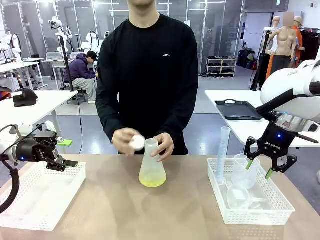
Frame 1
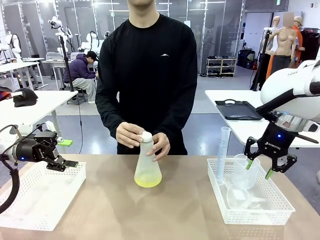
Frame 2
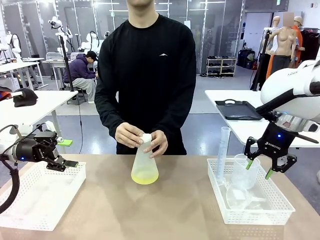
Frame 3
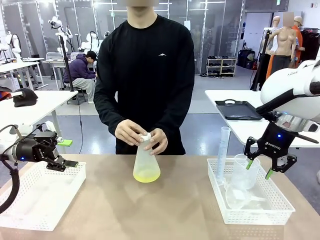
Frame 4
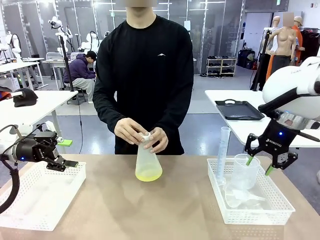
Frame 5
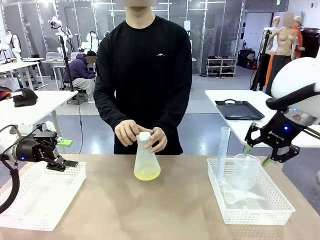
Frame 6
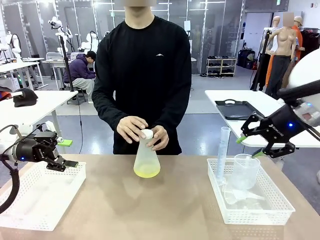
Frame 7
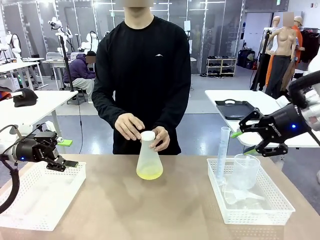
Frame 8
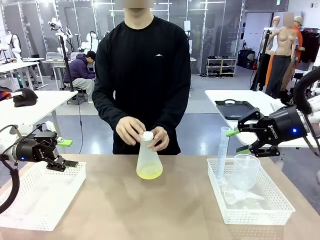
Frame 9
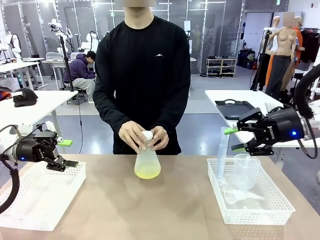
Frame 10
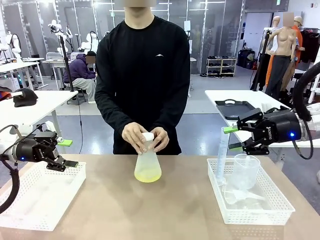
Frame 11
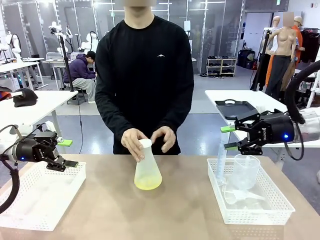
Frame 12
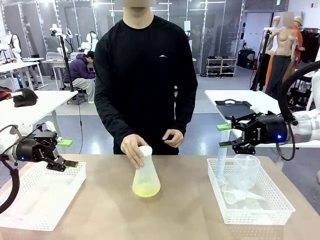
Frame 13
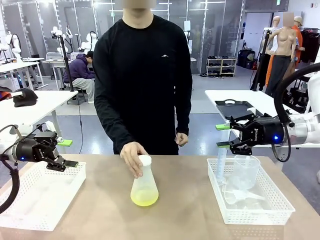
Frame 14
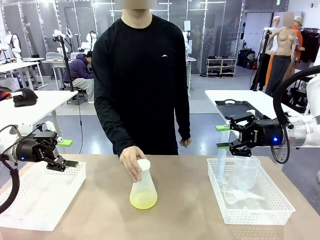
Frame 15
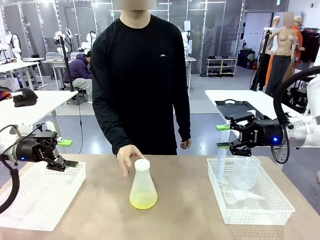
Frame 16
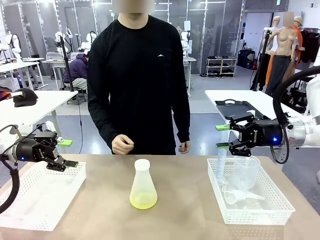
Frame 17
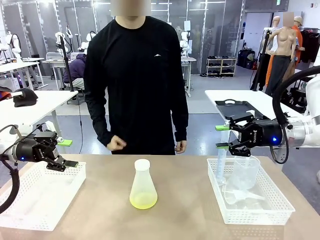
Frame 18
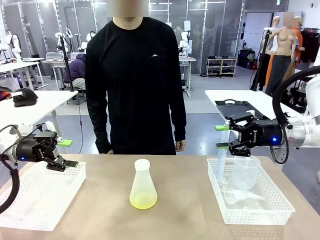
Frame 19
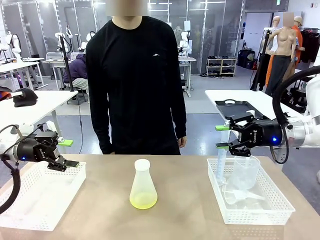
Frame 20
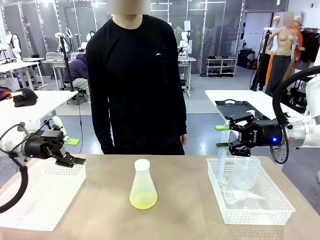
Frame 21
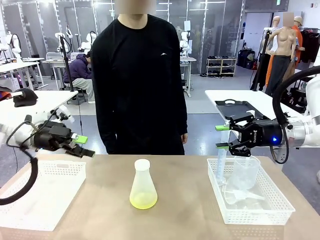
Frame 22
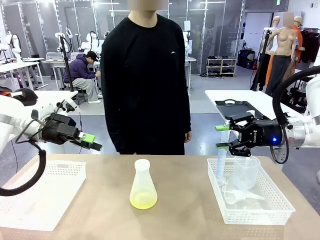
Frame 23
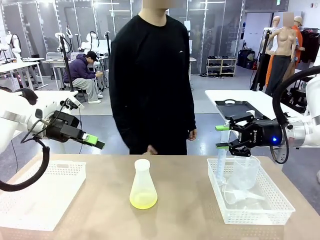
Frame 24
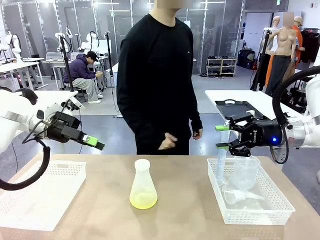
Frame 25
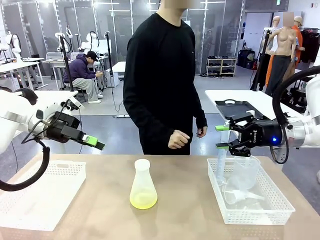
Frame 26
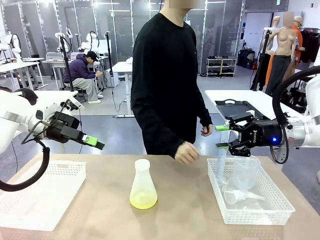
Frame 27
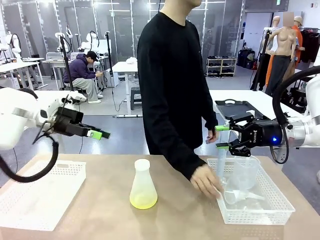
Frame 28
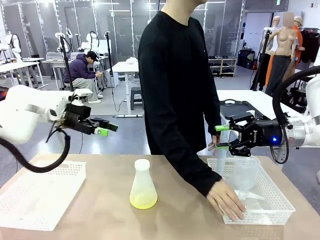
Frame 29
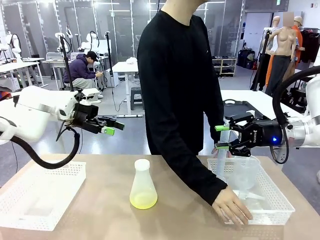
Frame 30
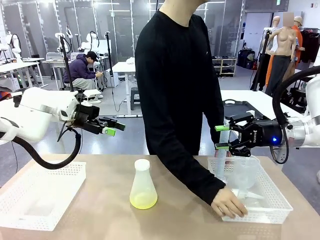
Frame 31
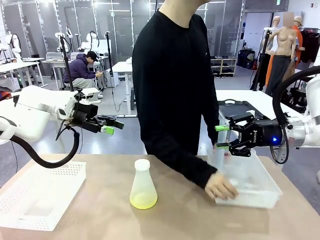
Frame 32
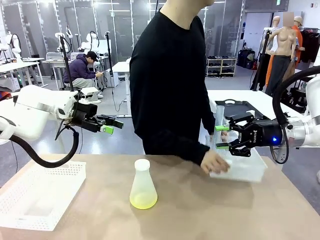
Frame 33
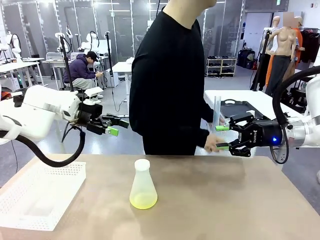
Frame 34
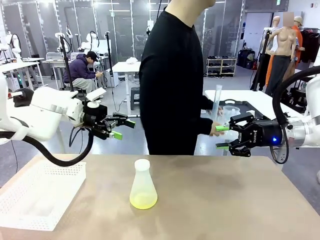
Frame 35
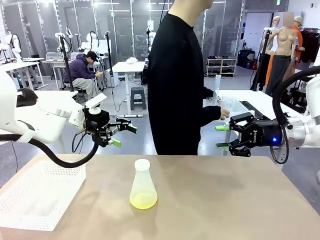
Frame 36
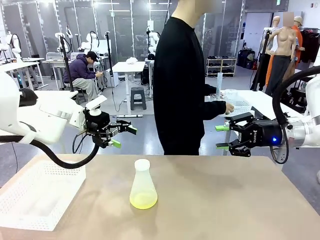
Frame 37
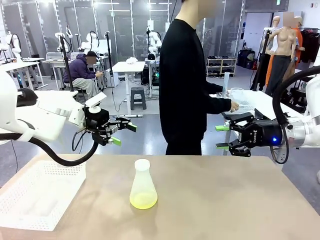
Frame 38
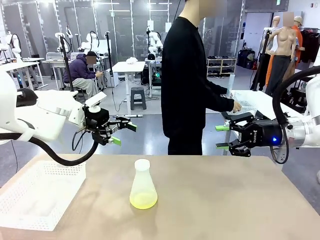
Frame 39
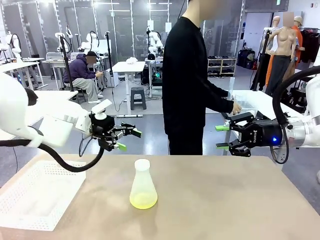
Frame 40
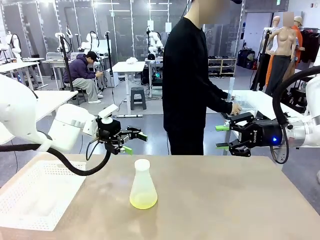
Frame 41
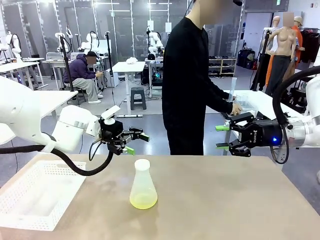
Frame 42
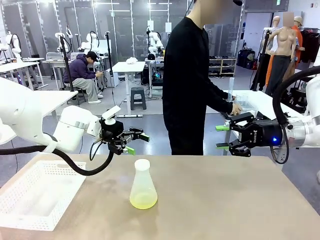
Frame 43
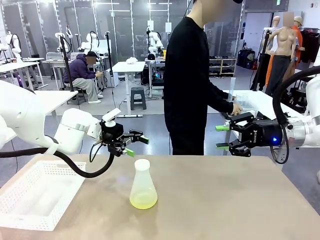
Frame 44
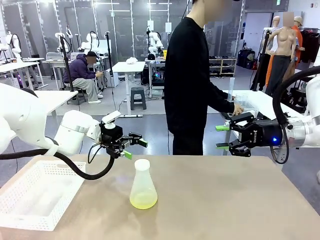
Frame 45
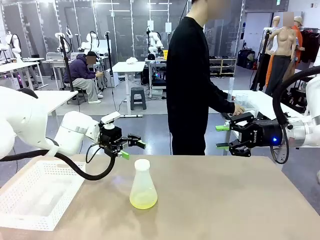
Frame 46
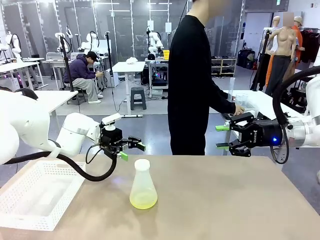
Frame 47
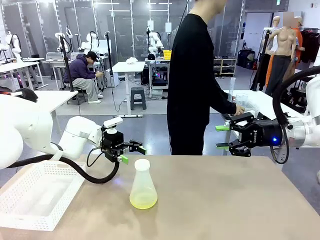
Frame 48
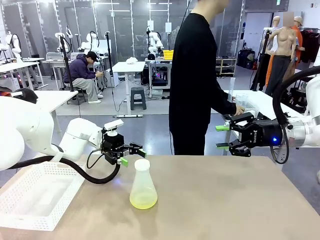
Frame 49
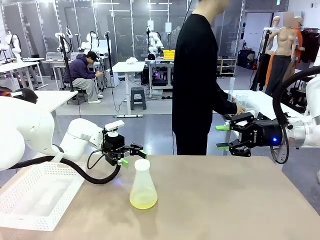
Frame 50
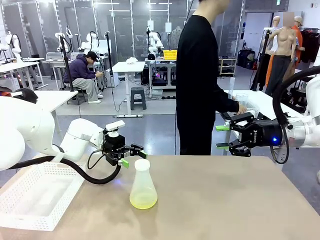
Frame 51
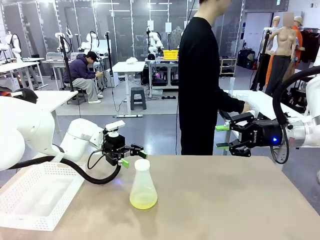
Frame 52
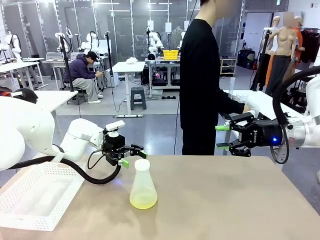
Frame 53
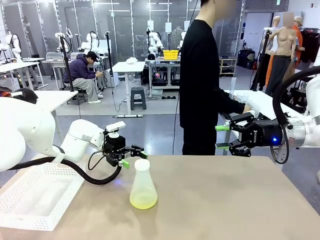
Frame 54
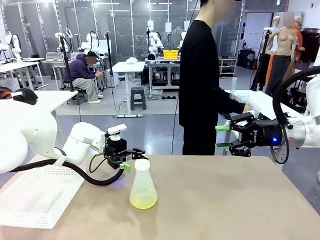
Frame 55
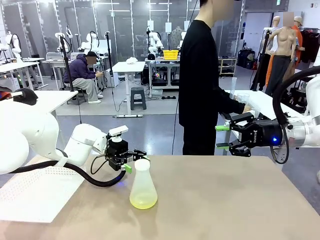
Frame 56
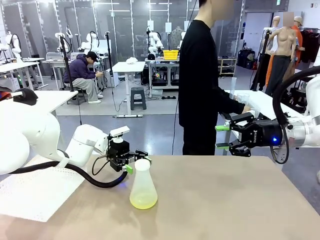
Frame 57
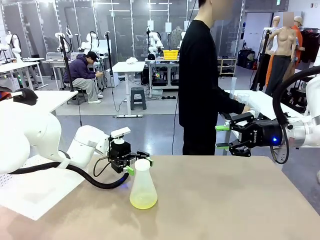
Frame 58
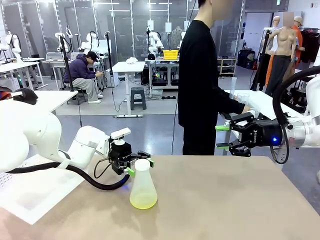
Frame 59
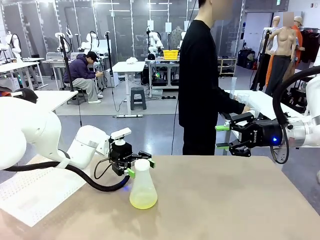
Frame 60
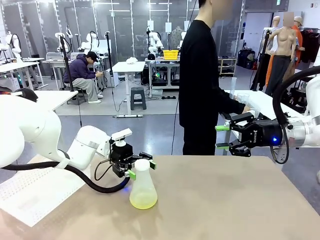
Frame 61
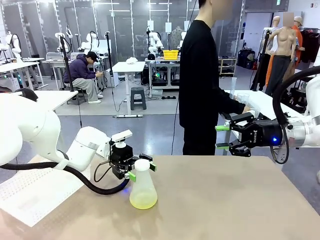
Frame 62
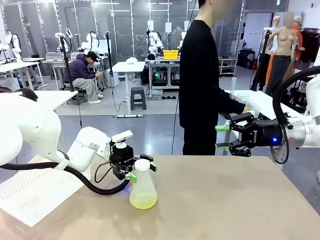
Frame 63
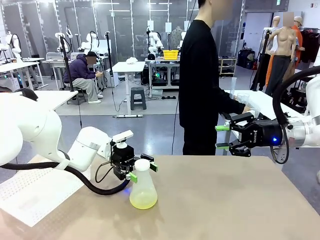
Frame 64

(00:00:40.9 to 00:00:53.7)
Task: Prepare the solutions needed for the experiment.
Robot: When the human places the Big flask in the center of the table, pick up the Big flask and place it in the left Organizing basket.

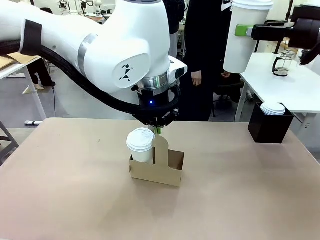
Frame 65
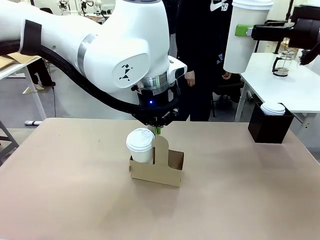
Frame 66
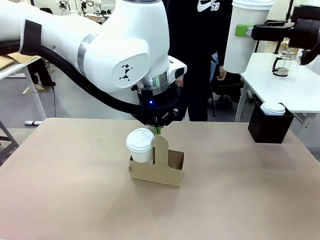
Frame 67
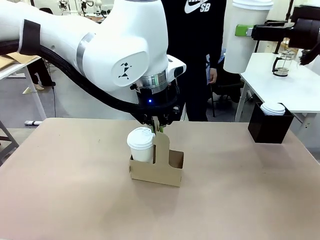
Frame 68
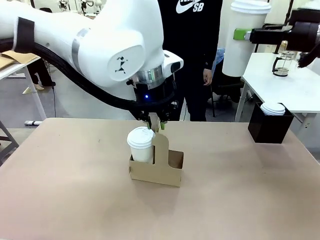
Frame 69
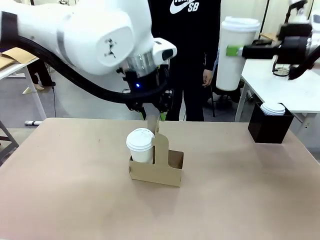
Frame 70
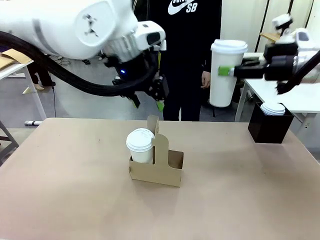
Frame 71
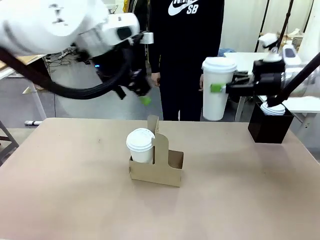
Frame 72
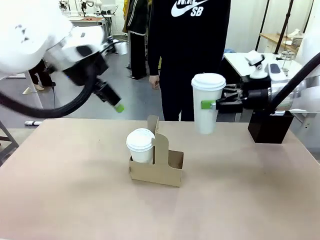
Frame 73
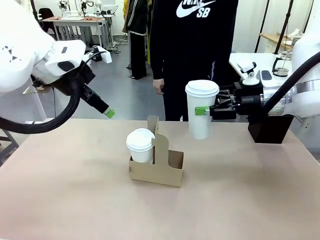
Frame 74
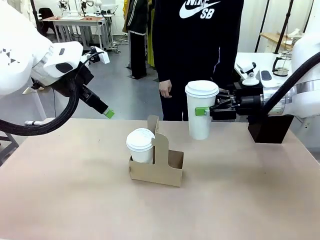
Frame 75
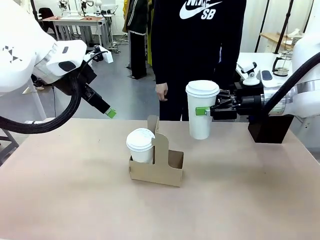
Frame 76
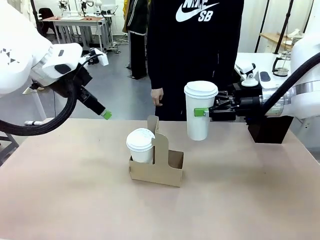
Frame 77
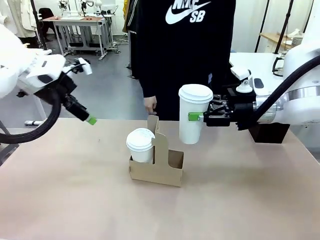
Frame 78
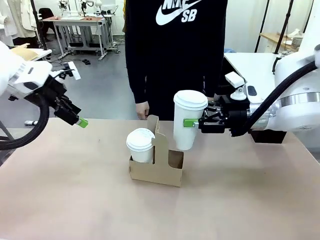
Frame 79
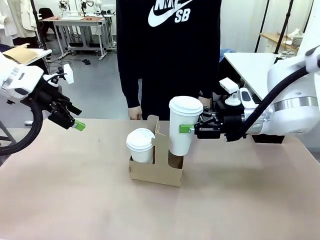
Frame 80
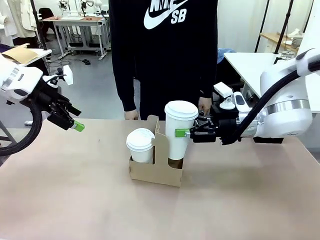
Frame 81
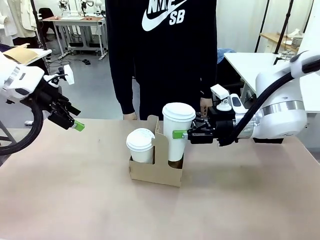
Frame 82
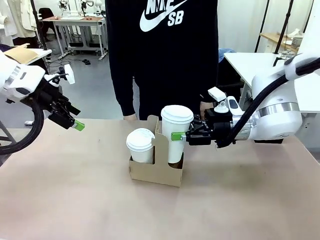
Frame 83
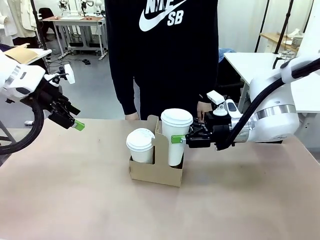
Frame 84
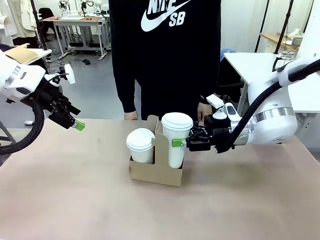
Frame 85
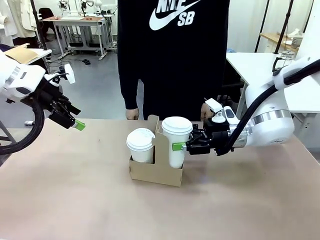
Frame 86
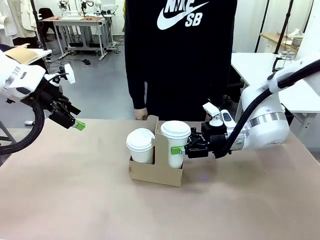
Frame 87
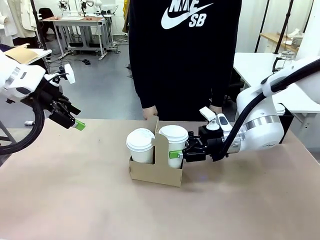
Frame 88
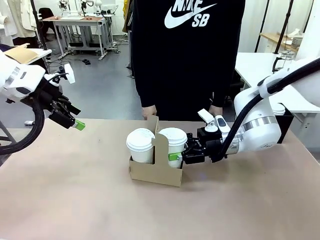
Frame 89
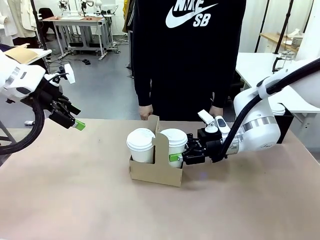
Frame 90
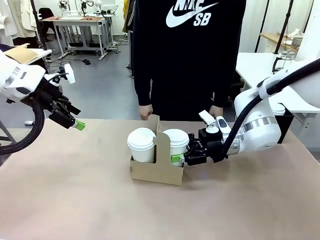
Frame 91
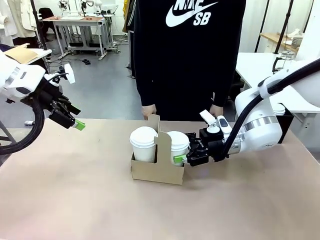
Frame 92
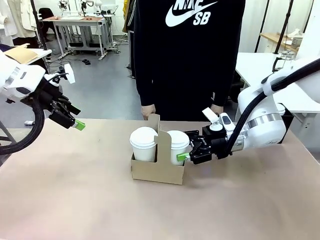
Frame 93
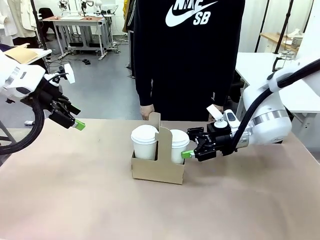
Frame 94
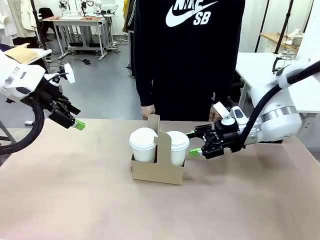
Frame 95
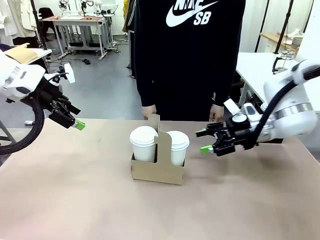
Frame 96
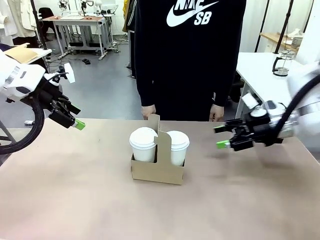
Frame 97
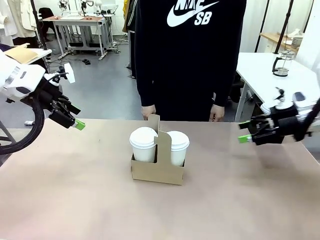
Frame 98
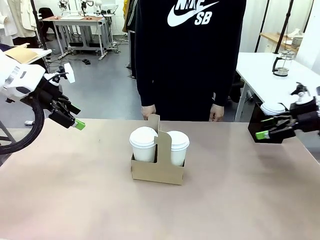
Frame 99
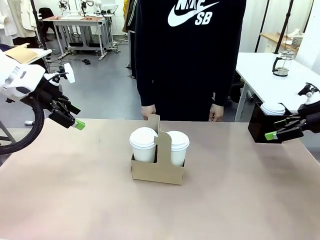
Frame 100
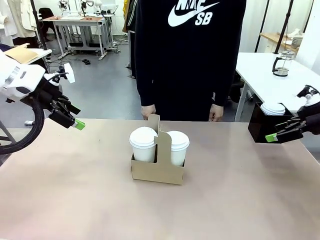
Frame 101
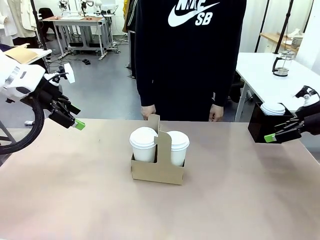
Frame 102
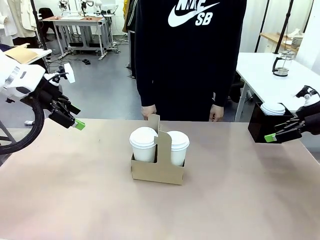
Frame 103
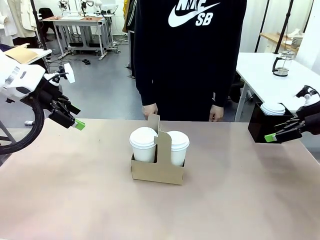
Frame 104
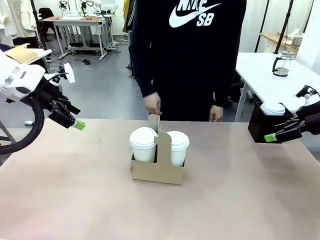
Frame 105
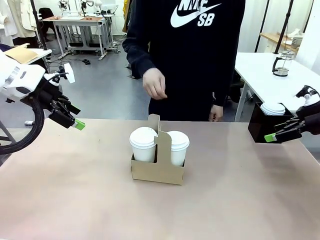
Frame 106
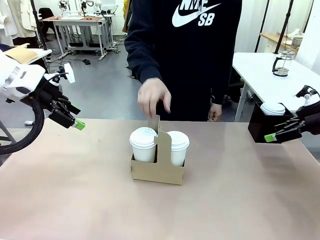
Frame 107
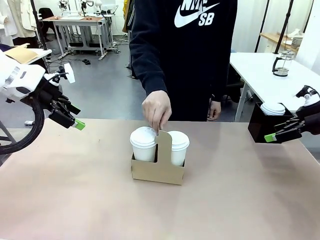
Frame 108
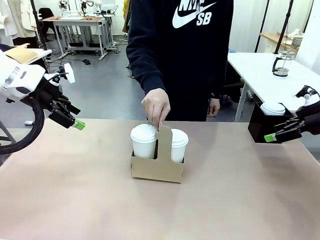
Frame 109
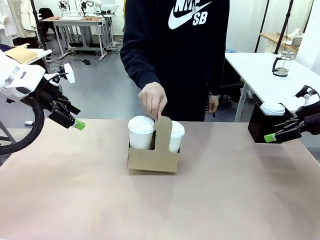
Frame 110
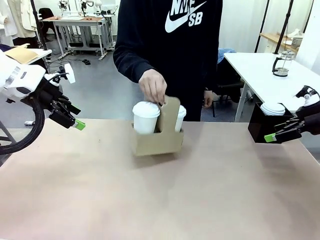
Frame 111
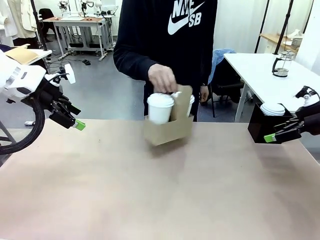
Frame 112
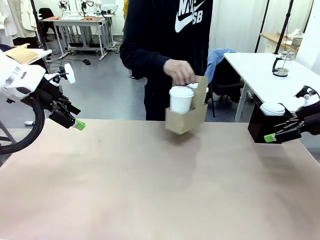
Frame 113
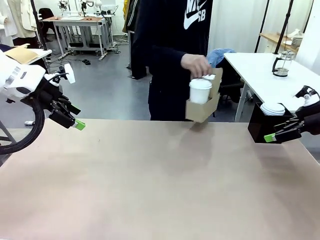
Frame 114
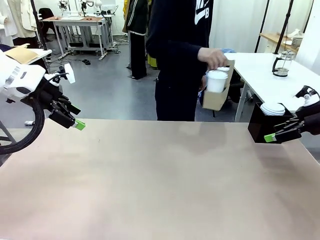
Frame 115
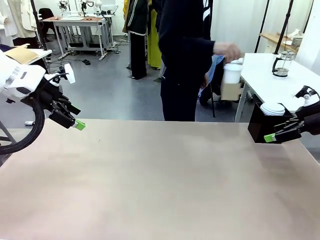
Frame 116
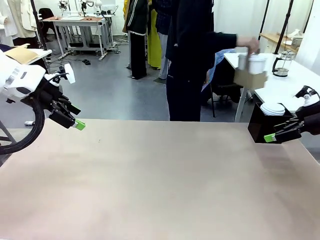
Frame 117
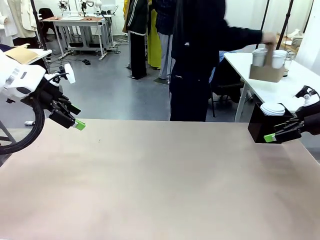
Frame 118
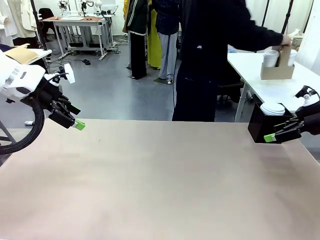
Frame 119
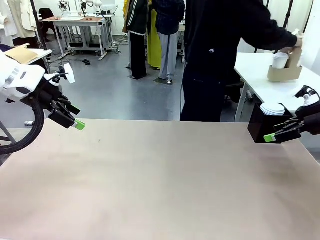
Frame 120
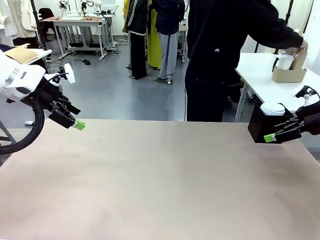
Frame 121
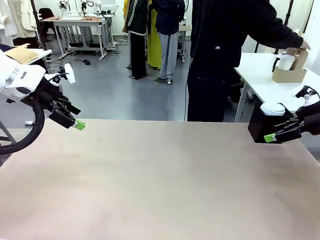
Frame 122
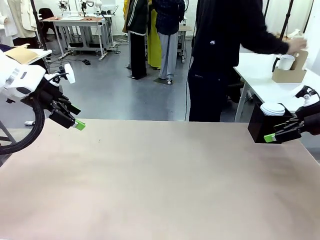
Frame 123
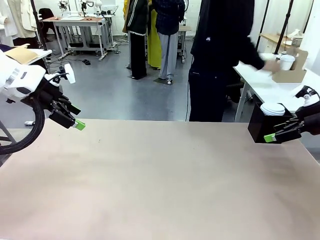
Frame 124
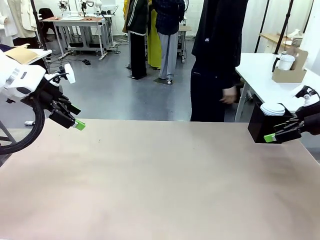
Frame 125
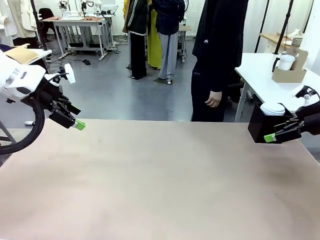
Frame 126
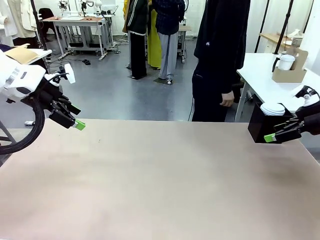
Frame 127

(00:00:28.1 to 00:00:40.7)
Task: Pour a drink into a cup and package it in a carrier.
Robot: Insert the held 600 ml Paper Cup into the Cup Carrier.
Person: Place the Cup Carrier to the middle of Human table.
